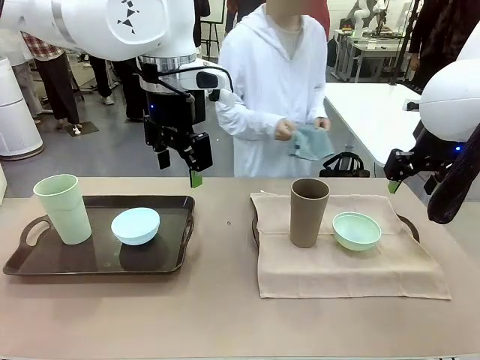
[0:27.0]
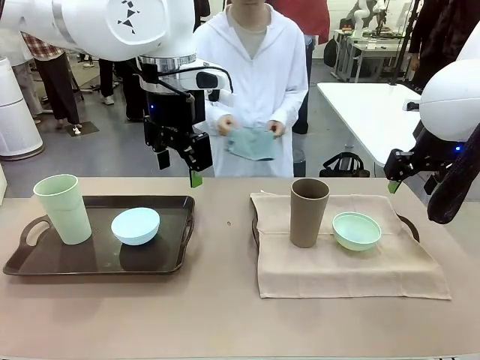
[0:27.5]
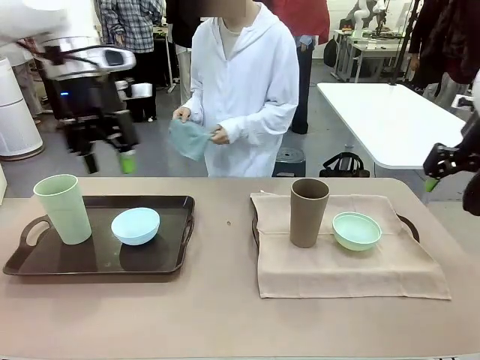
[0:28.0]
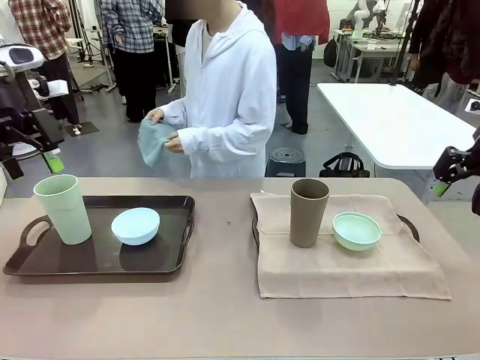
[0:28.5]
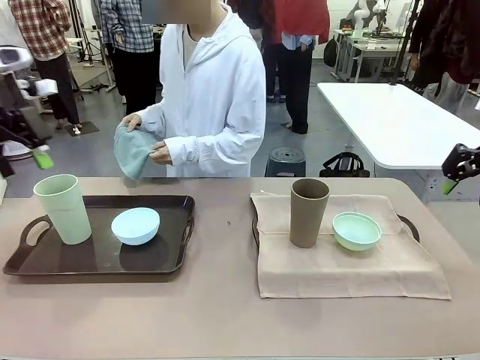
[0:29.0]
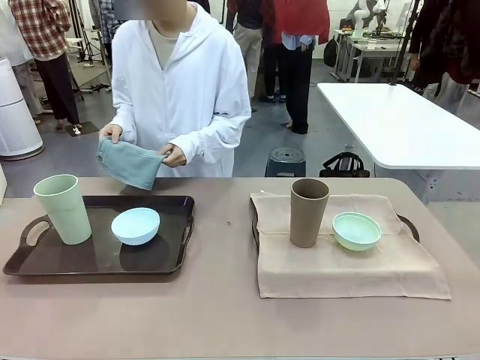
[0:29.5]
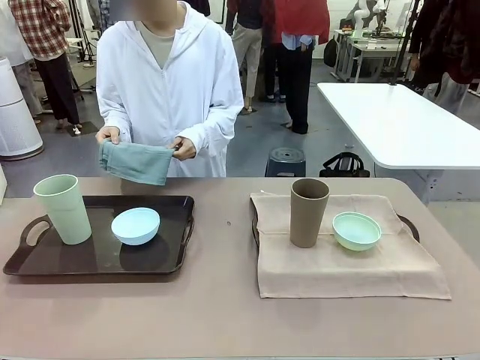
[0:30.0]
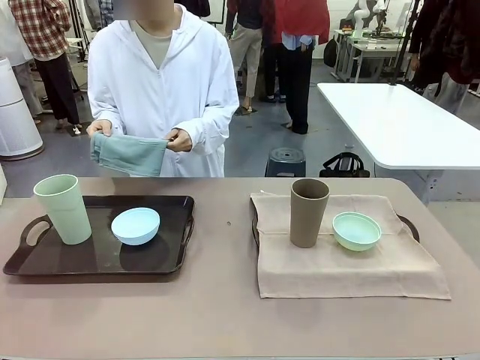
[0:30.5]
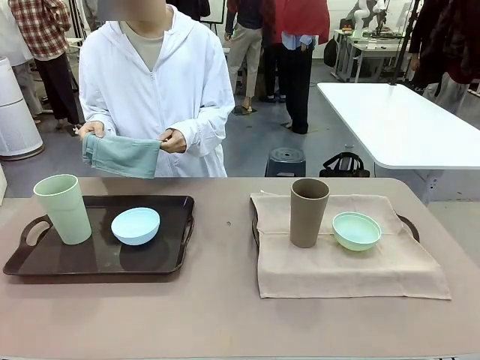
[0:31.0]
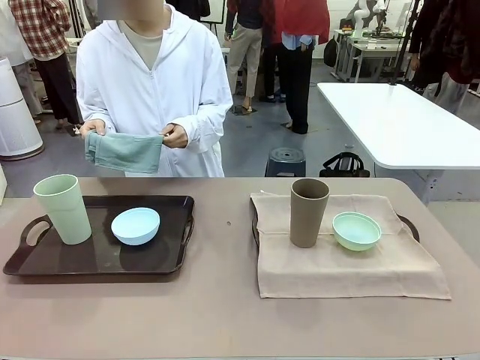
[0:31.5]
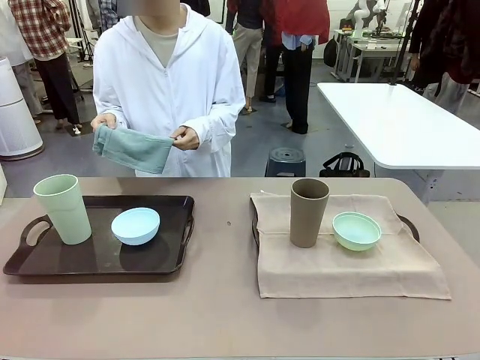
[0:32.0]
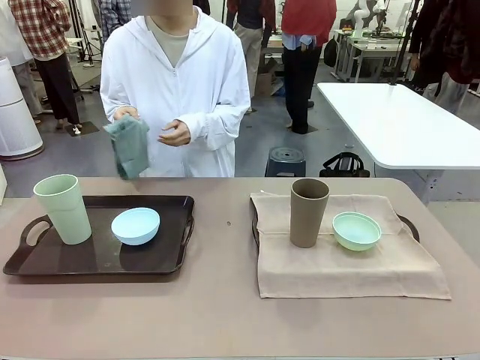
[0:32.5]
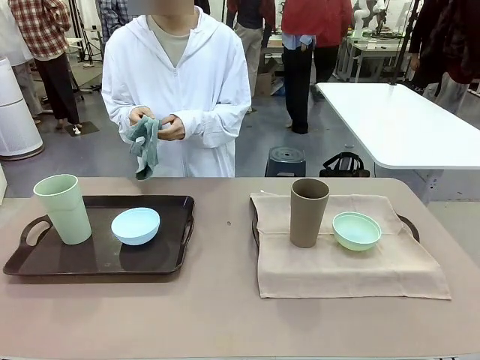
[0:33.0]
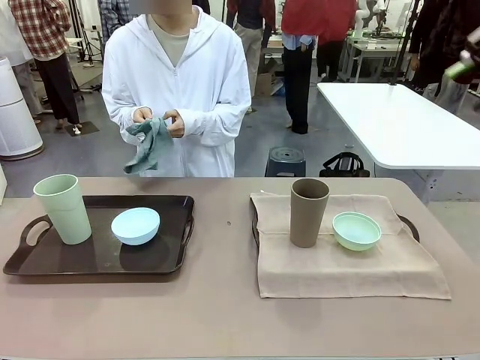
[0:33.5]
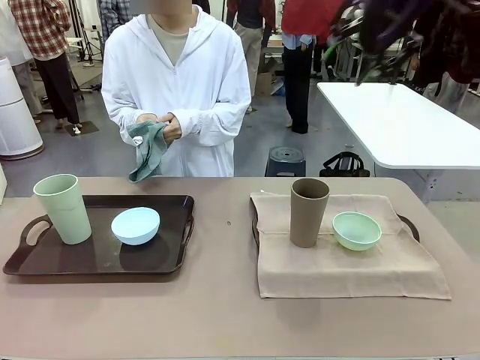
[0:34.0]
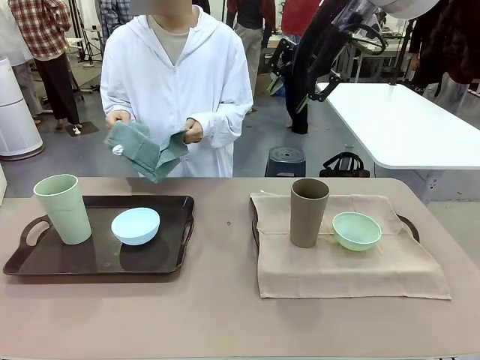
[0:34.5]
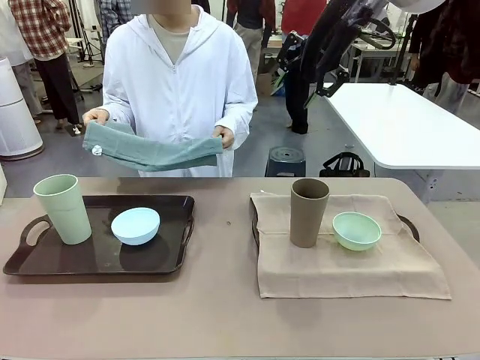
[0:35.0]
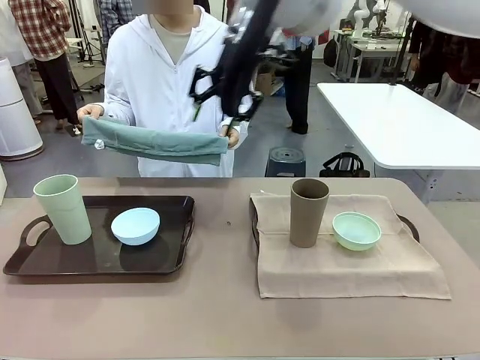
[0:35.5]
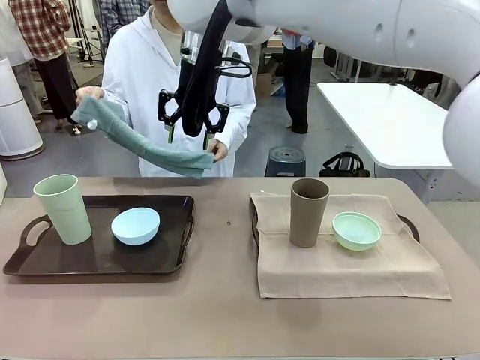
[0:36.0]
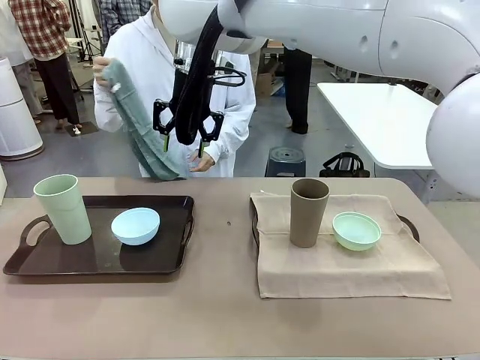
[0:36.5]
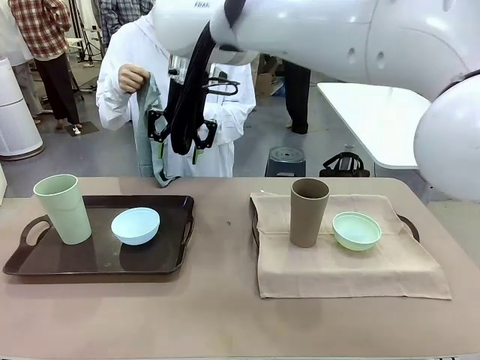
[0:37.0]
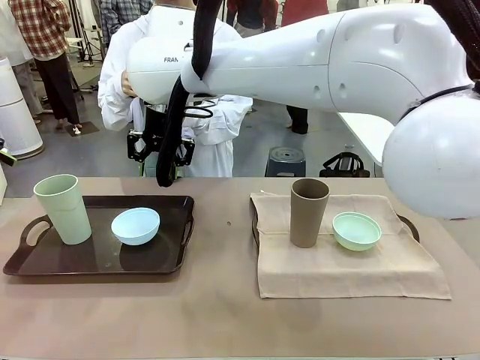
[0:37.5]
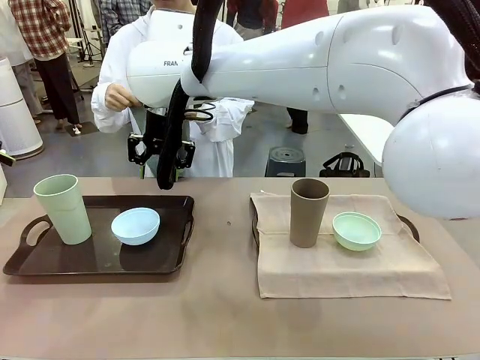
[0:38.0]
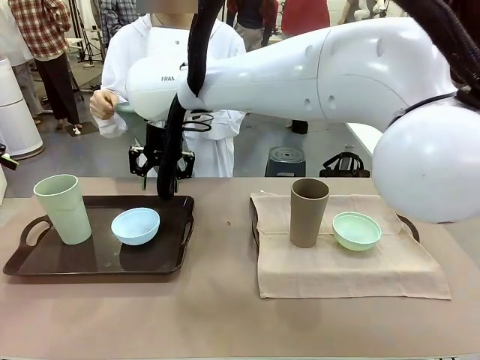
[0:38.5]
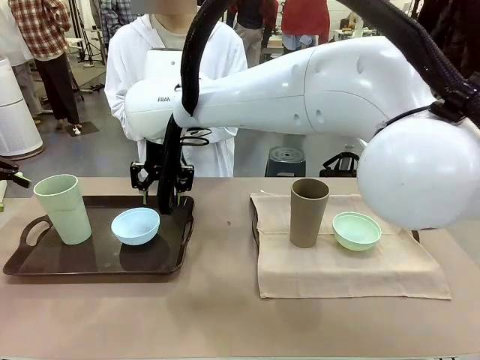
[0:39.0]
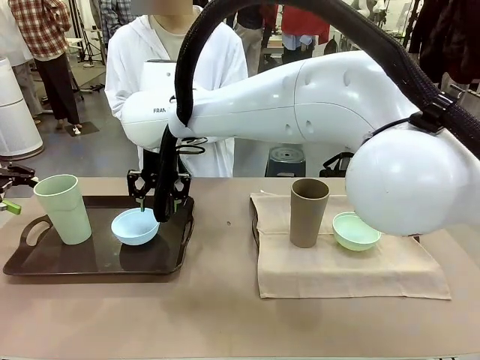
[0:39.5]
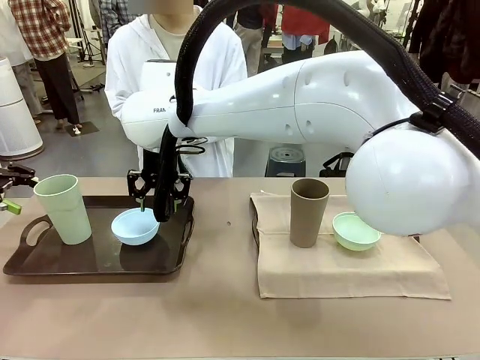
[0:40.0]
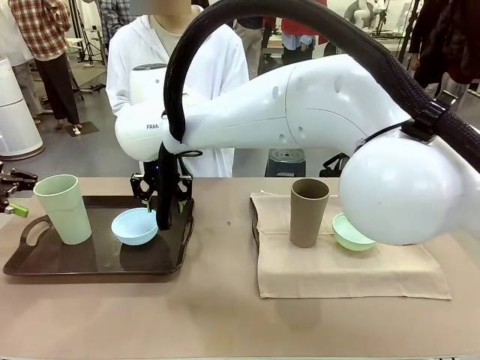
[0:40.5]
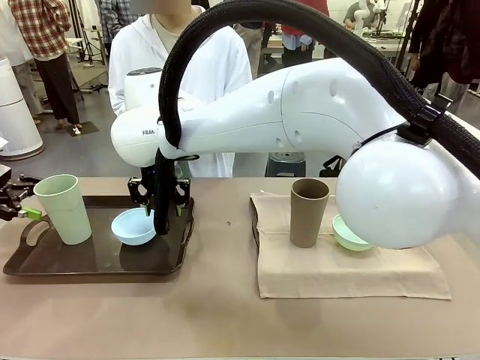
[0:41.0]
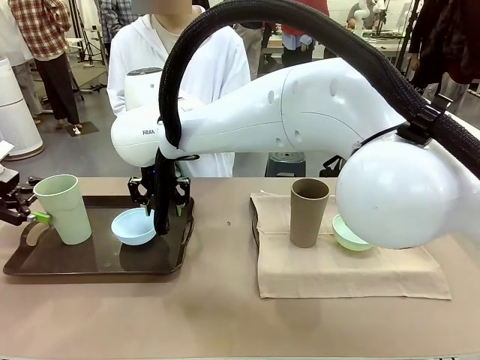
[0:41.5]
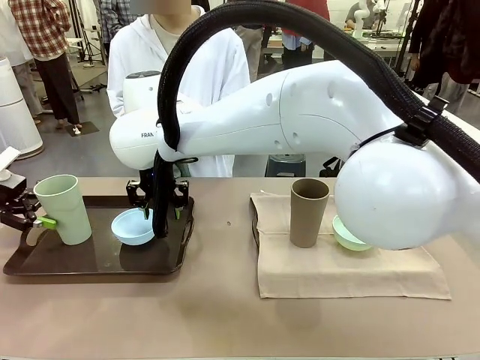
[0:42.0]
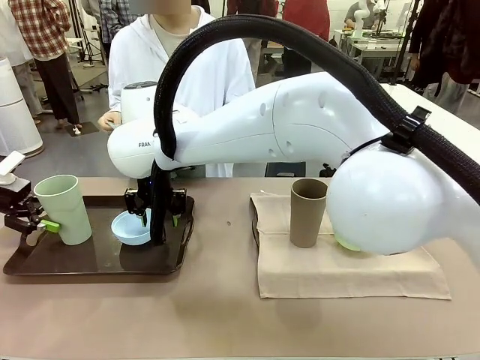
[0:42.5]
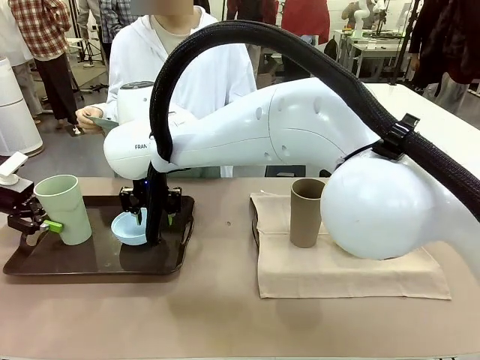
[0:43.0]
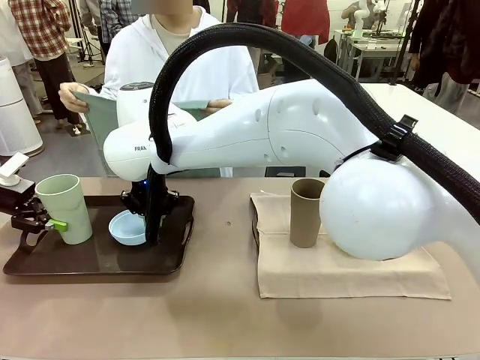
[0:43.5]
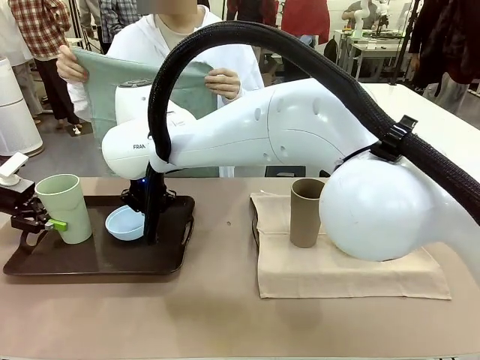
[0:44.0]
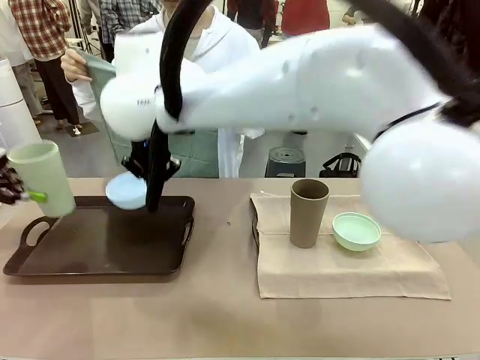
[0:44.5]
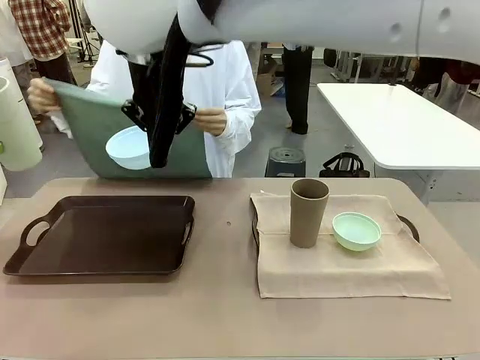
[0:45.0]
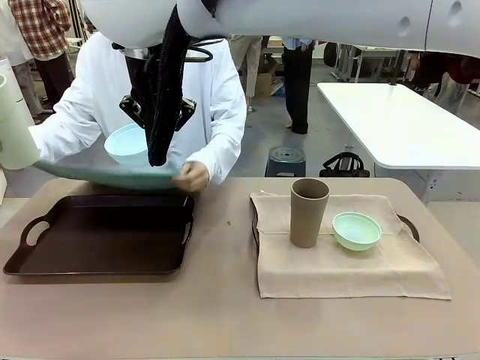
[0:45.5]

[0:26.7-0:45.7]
Robot: Pick up the Picnic Bowl and Reusable plastic cup from the Handle tray in front of the human's position and hold them in the air.
